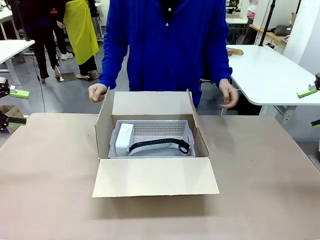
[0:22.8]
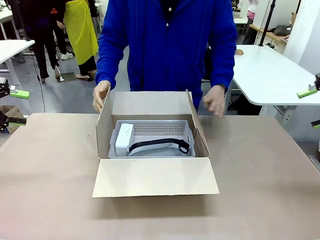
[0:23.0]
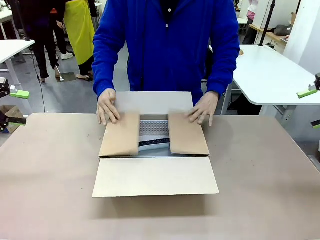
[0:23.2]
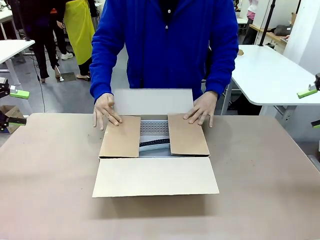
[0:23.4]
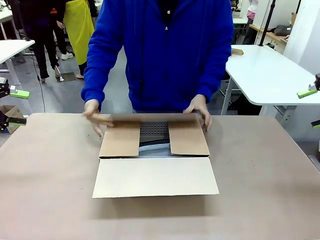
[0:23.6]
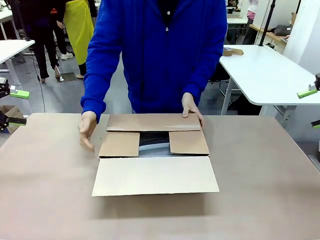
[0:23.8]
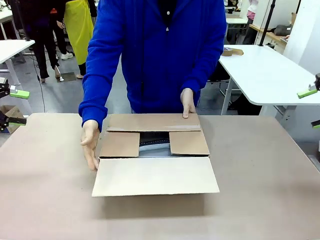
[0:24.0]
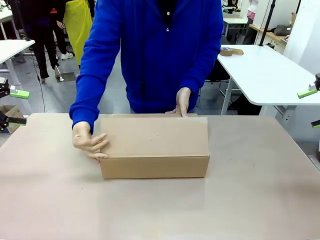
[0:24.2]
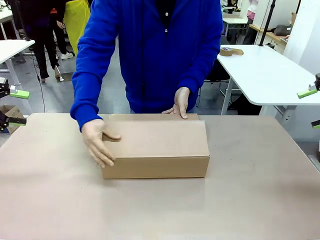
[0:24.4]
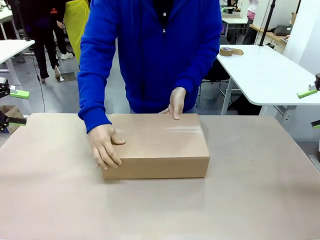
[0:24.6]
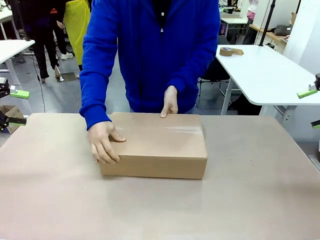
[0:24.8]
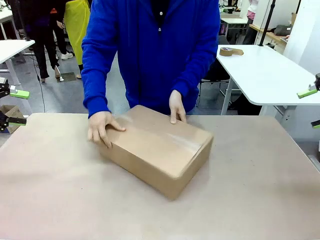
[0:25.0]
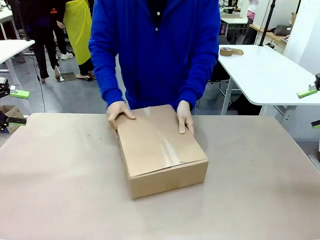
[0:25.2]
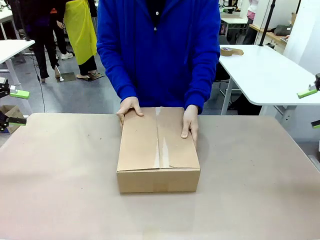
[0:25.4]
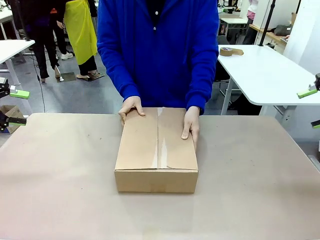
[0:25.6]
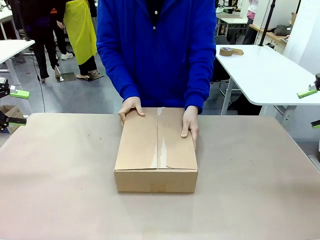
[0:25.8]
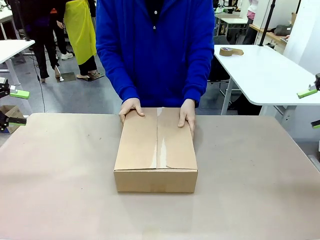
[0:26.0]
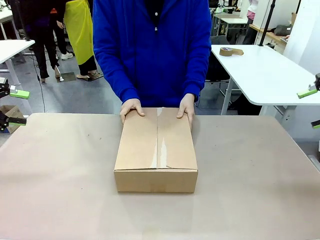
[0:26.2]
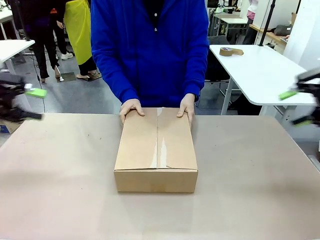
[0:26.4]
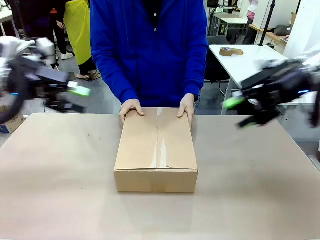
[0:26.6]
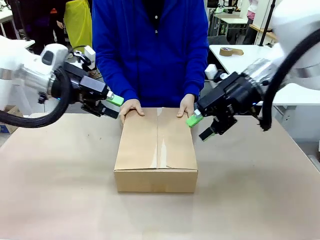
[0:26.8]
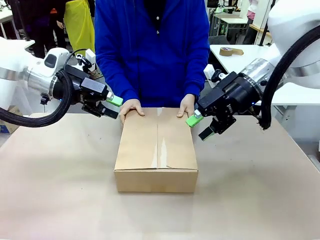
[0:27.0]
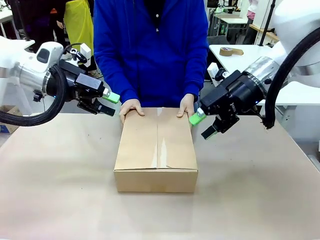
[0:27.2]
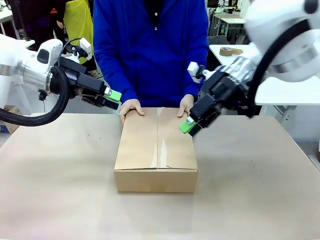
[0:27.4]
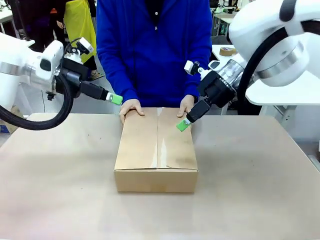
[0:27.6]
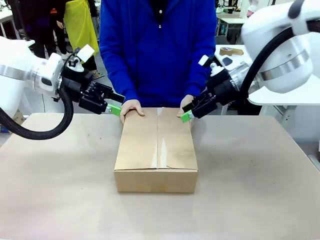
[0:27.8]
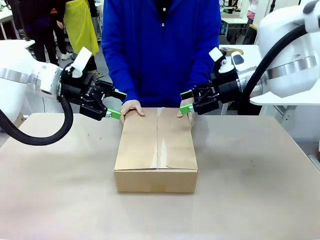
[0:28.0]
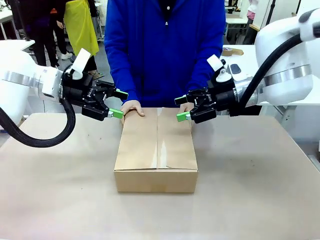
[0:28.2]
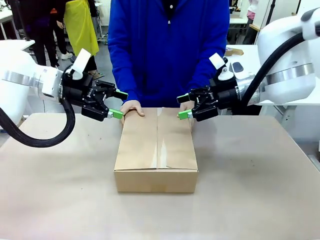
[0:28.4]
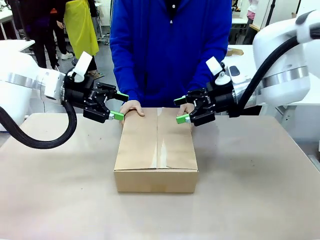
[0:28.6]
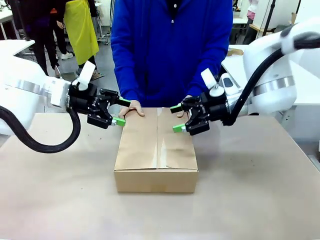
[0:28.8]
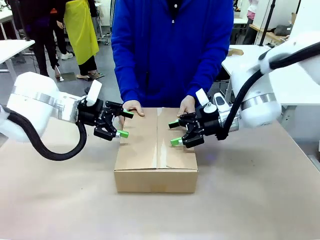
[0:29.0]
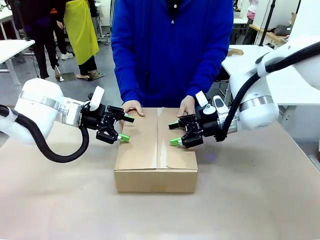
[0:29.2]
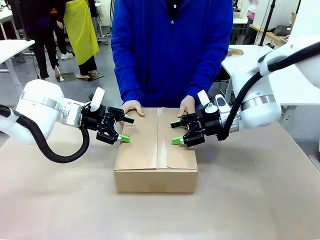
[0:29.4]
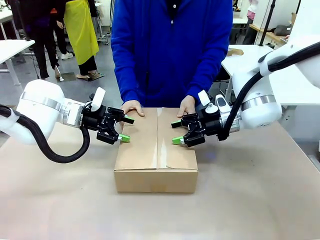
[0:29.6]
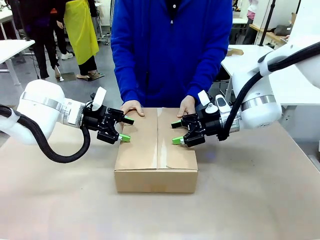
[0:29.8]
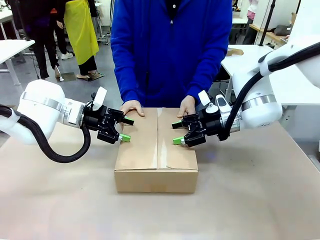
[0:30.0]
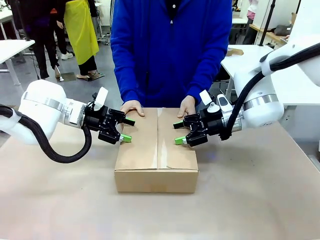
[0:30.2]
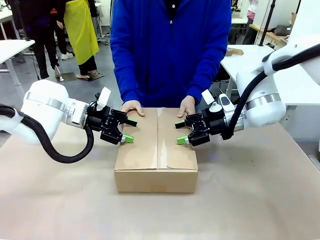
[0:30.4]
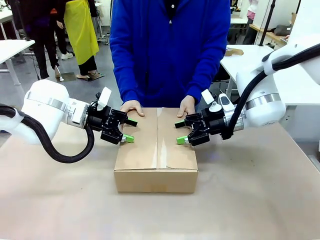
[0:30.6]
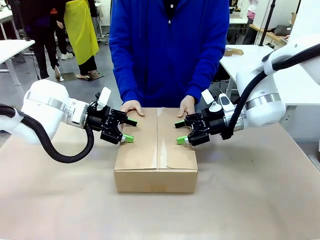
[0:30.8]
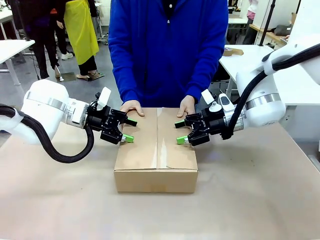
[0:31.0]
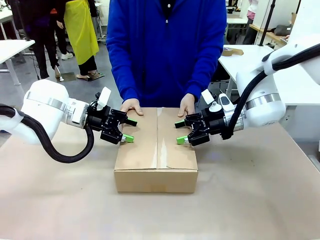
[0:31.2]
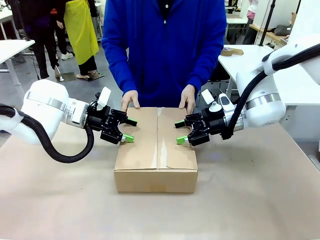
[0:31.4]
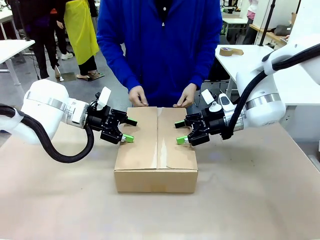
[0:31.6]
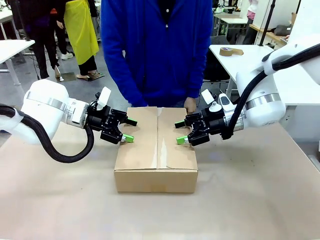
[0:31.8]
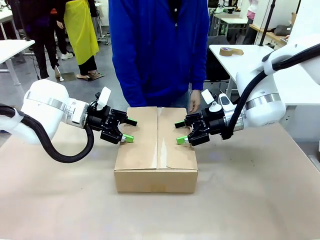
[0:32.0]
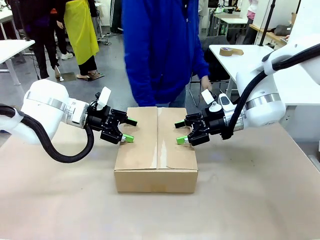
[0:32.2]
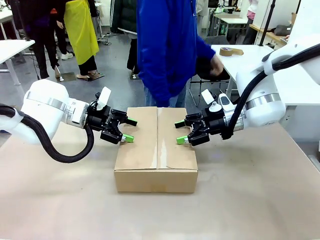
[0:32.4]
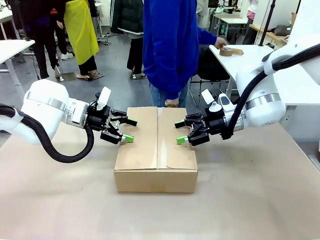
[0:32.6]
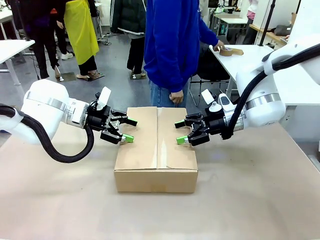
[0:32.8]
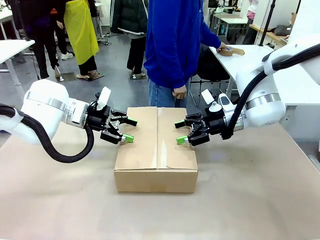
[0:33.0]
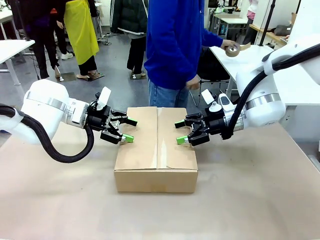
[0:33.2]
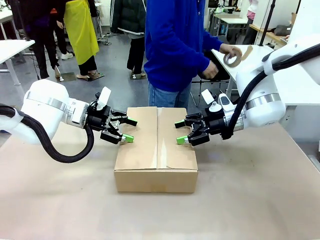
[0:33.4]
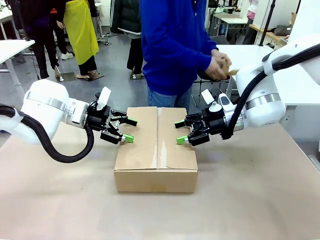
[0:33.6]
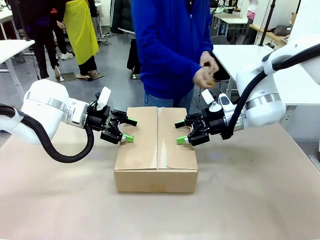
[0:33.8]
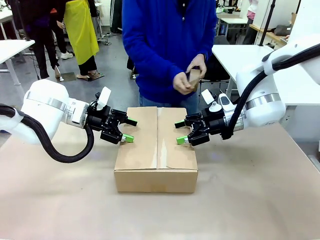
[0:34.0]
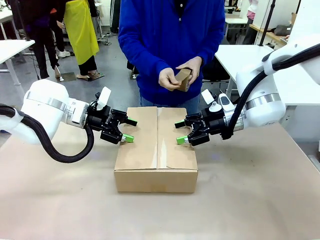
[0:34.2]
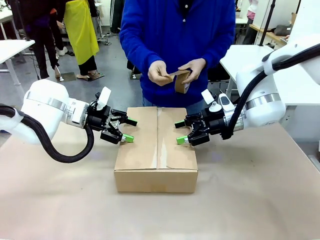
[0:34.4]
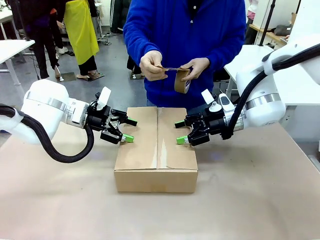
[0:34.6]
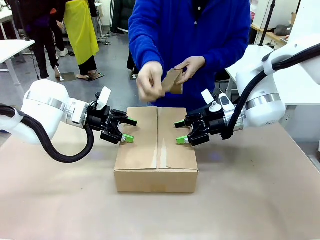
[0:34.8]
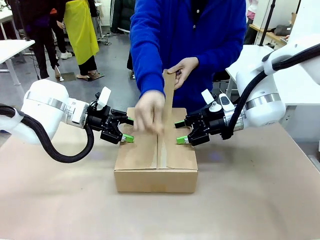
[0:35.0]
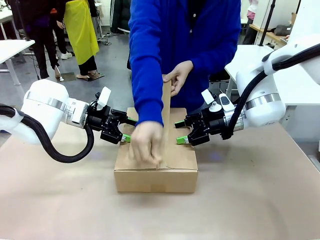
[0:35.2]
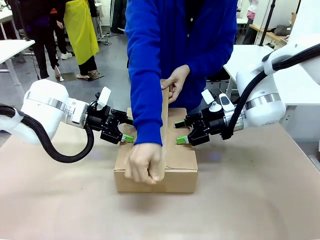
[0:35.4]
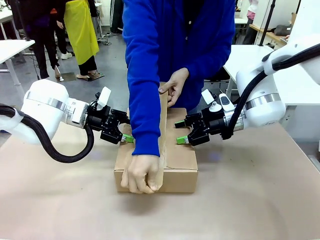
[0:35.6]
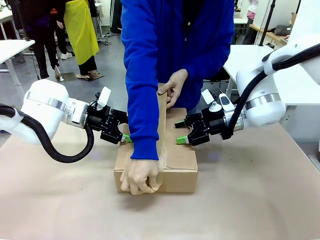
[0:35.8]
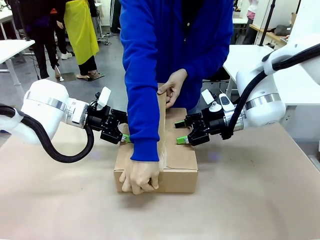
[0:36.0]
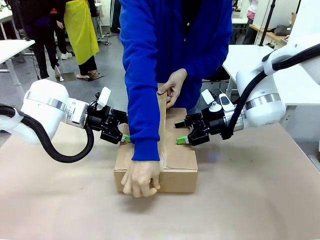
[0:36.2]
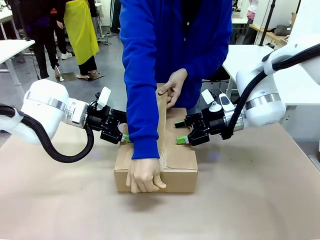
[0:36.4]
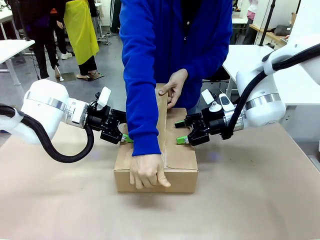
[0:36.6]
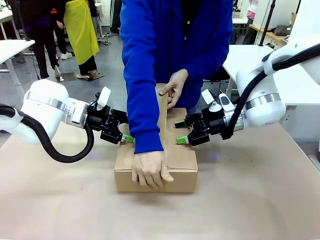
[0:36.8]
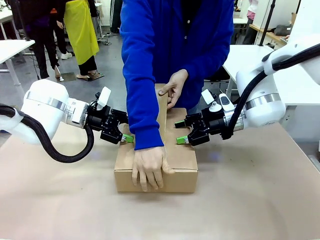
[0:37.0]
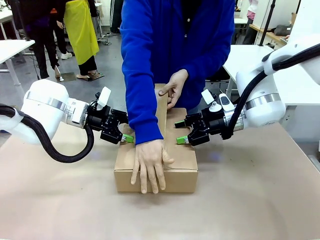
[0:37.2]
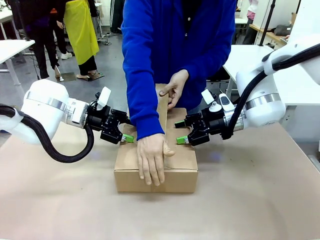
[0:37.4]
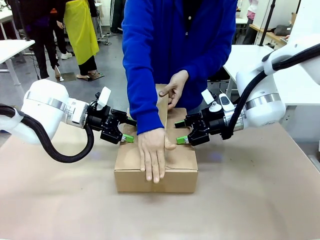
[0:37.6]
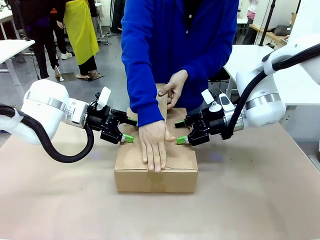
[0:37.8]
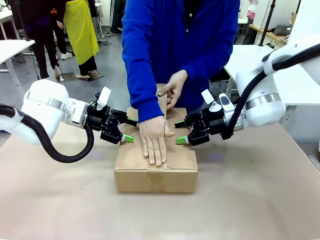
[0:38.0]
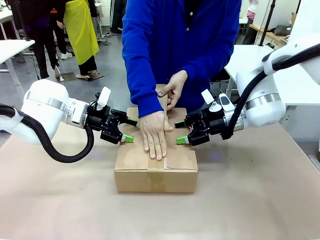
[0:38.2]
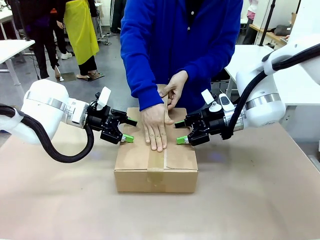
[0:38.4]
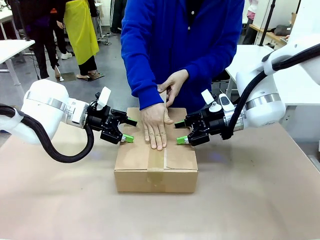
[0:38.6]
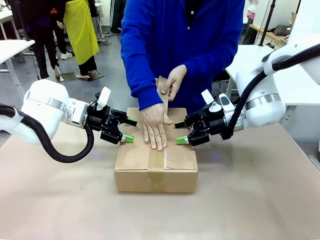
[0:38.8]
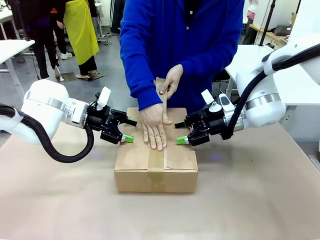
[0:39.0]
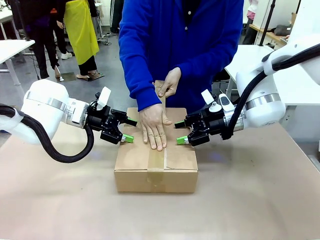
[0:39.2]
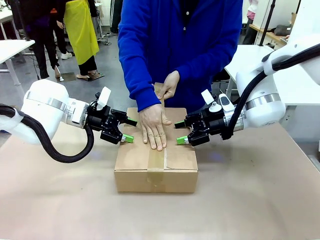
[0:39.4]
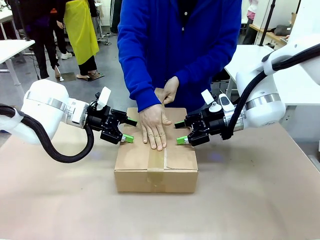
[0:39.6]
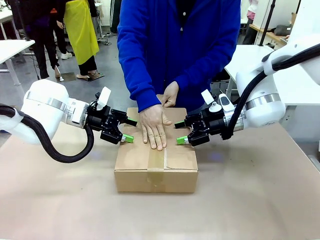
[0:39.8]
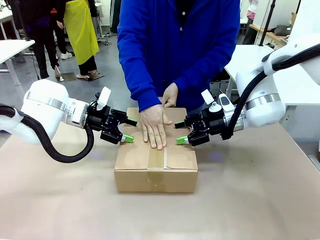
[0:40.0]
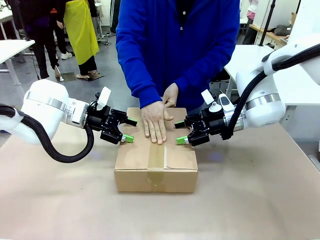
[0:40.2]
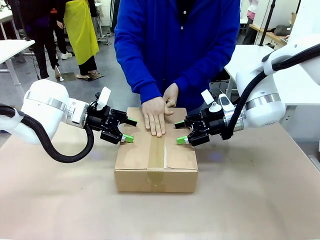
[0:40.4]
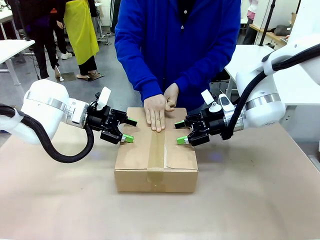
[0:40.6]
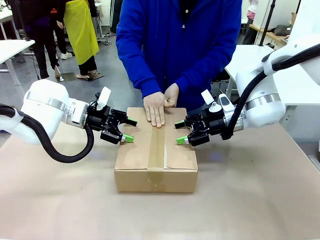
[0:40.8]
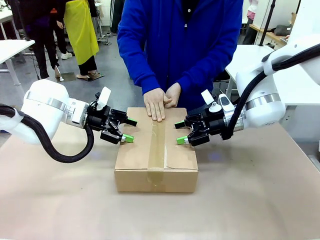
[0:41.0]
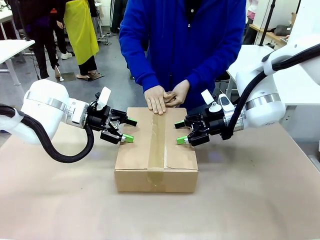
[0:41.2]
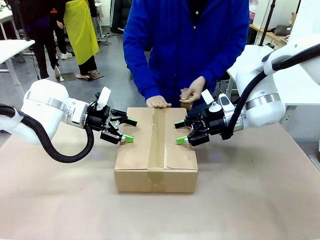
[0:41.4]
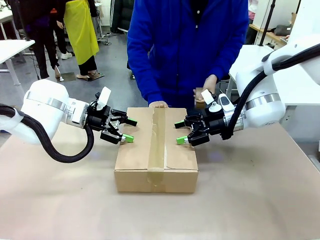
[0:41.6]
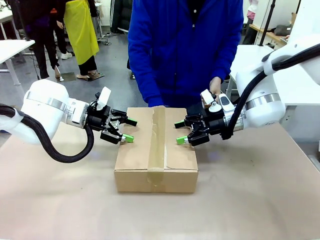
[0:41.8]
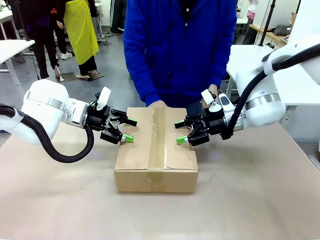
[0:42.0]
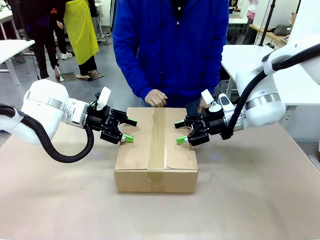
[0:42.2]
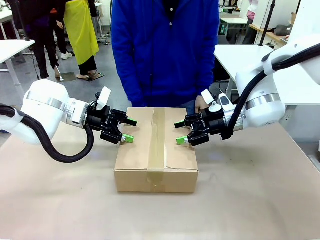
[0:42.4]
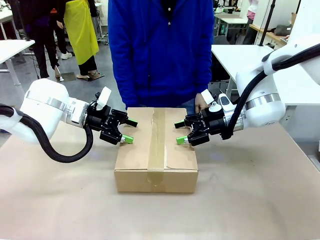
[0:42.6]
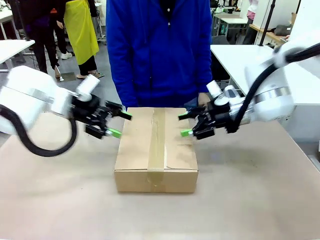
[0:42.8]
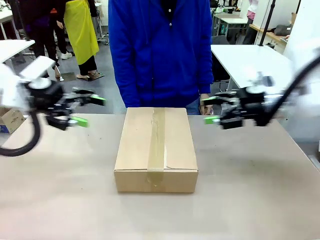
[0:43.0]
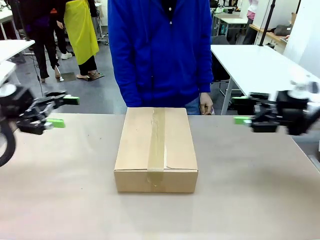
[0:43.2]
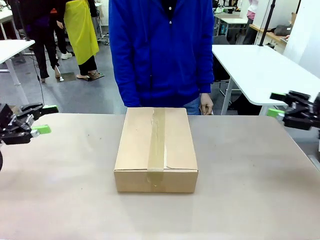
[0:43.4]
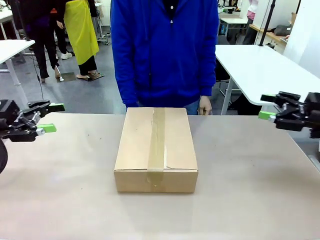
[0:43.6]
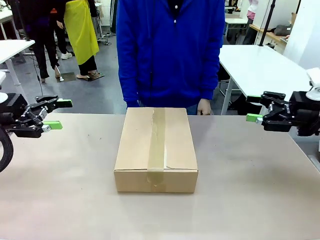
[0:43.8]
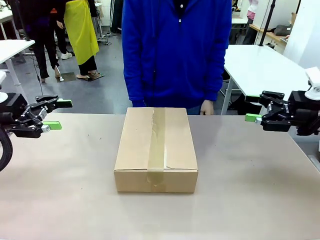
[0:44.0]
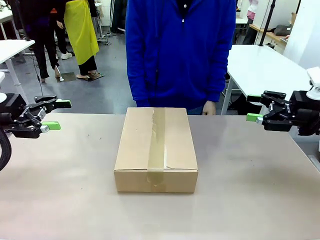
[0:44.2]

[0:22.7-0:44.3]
Task: Pack the gift set into the box.
Robot: Press and hold the closed box until the human finishes sealing it.
Person: The human closes the box and rotates the box by 90 degrees. The human picks up the paper tape from the human table and packs the box.
